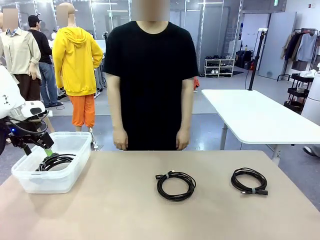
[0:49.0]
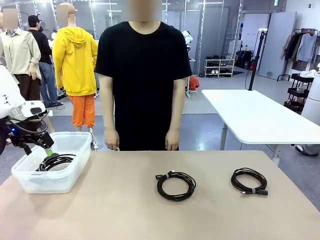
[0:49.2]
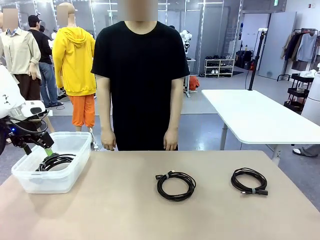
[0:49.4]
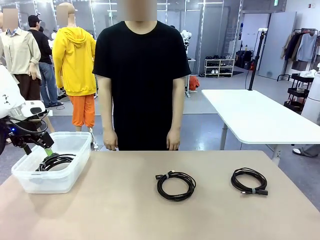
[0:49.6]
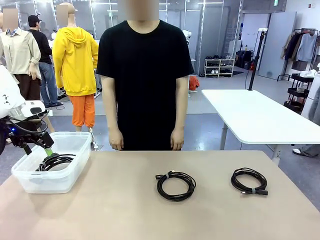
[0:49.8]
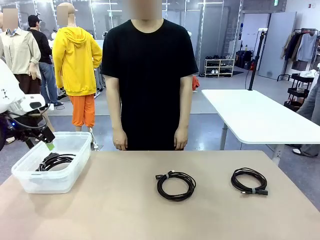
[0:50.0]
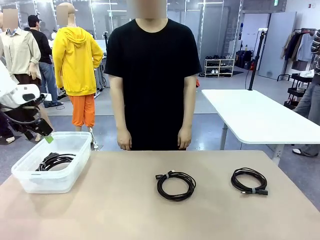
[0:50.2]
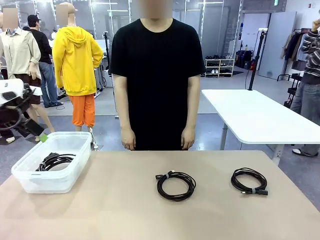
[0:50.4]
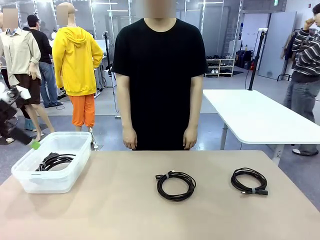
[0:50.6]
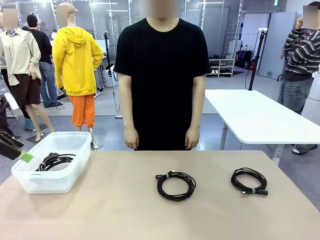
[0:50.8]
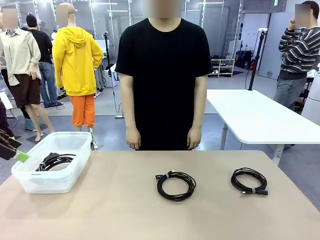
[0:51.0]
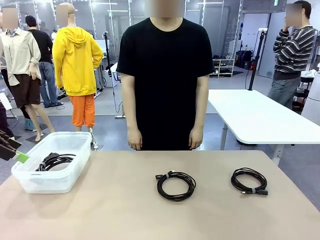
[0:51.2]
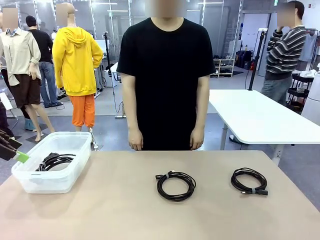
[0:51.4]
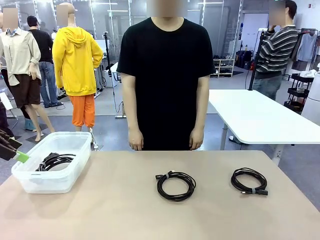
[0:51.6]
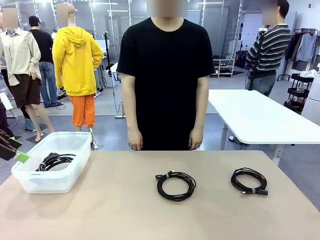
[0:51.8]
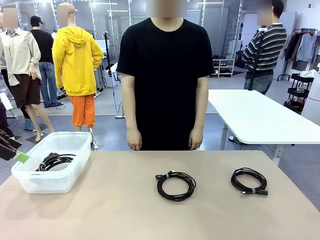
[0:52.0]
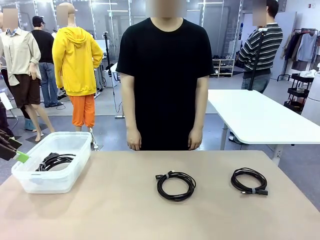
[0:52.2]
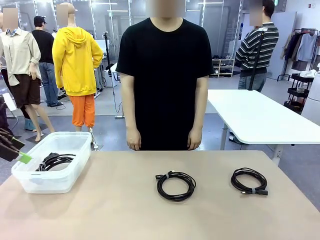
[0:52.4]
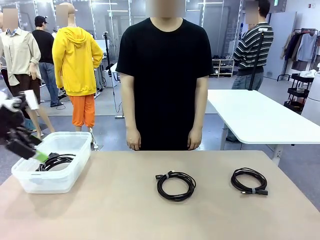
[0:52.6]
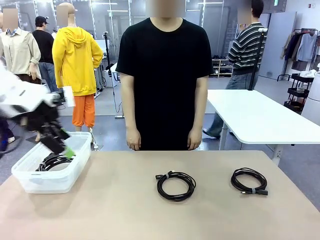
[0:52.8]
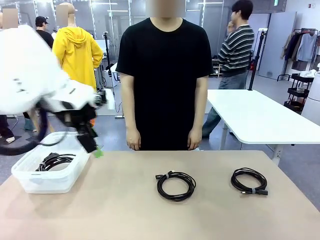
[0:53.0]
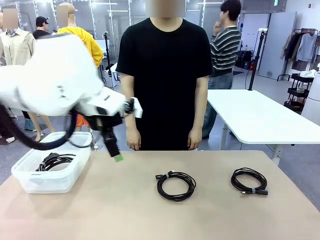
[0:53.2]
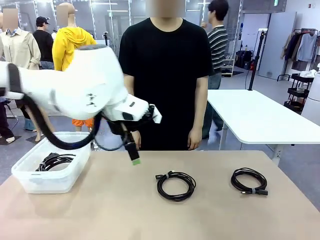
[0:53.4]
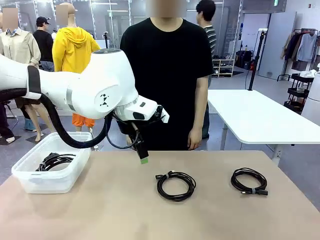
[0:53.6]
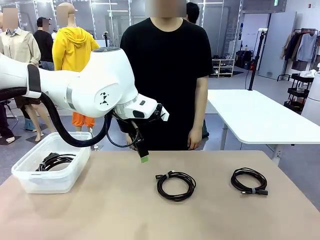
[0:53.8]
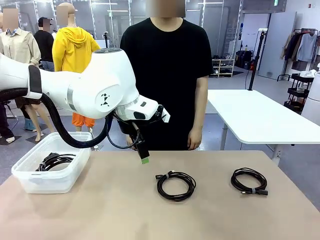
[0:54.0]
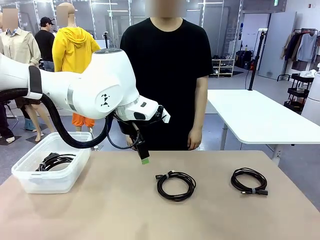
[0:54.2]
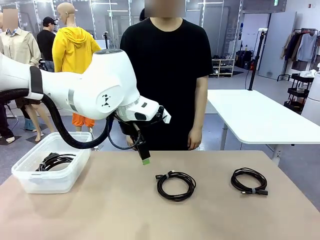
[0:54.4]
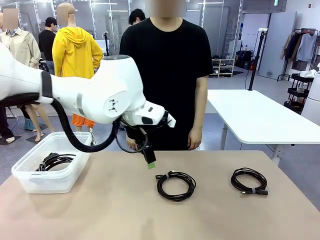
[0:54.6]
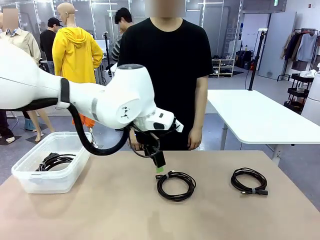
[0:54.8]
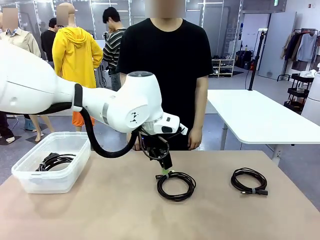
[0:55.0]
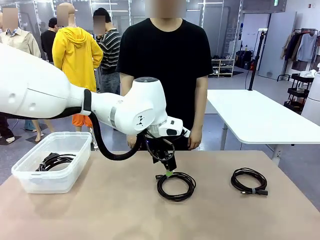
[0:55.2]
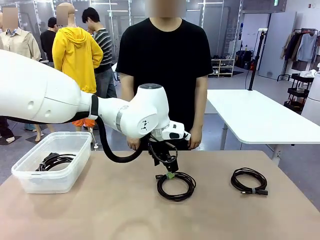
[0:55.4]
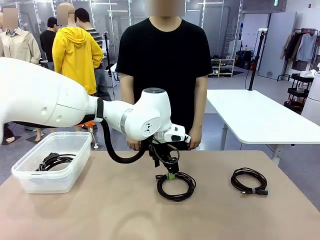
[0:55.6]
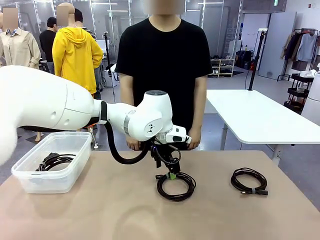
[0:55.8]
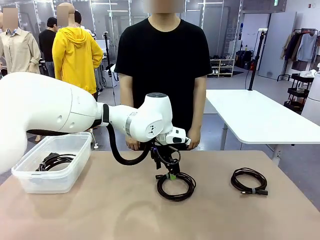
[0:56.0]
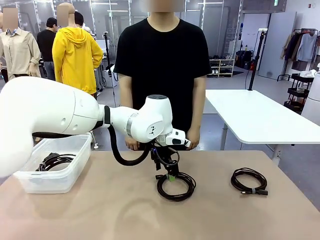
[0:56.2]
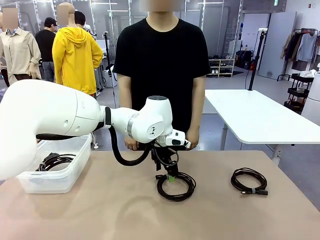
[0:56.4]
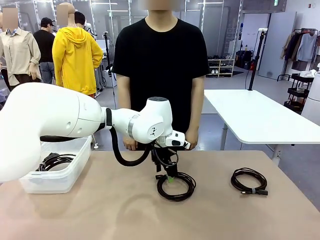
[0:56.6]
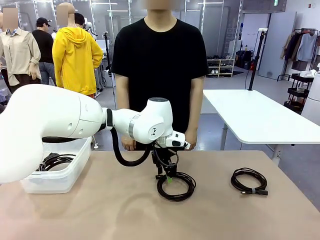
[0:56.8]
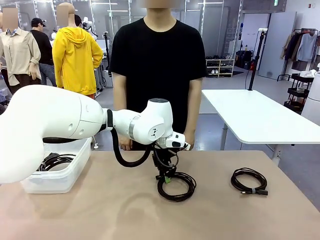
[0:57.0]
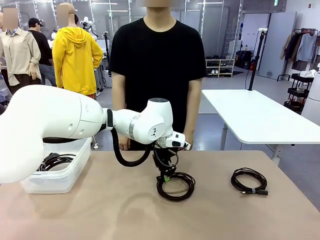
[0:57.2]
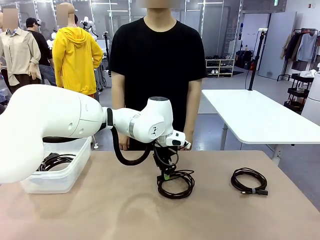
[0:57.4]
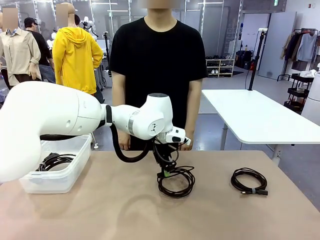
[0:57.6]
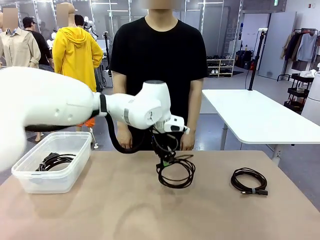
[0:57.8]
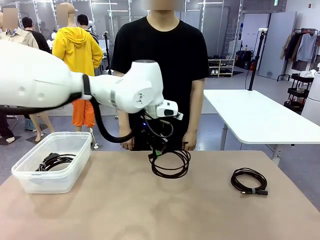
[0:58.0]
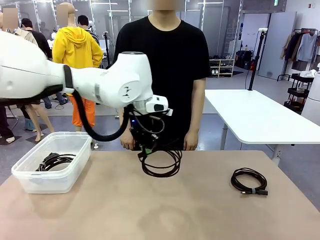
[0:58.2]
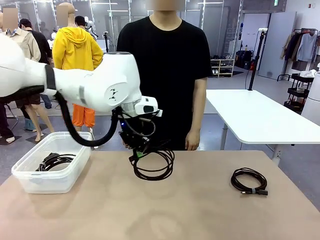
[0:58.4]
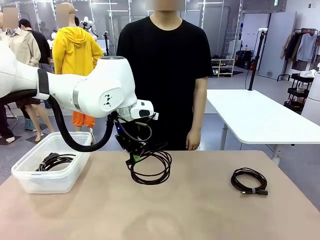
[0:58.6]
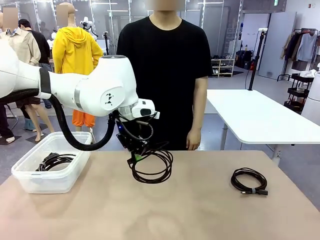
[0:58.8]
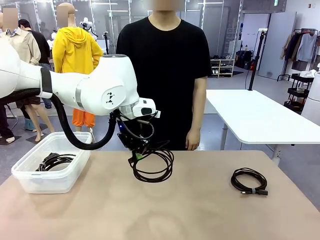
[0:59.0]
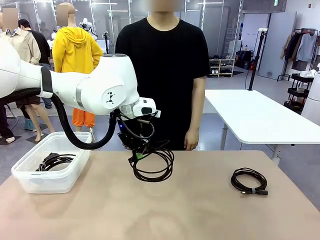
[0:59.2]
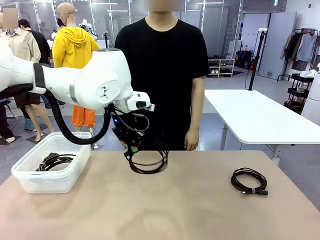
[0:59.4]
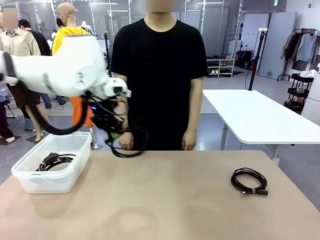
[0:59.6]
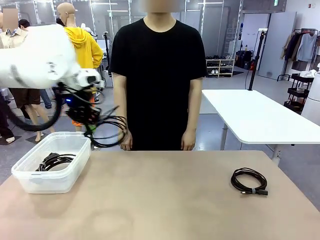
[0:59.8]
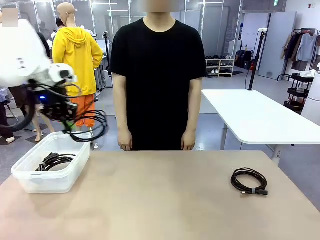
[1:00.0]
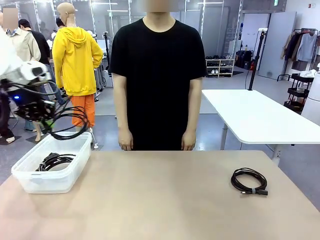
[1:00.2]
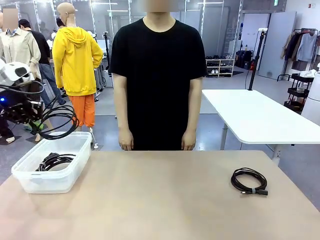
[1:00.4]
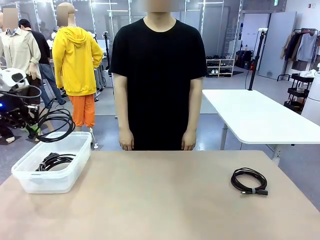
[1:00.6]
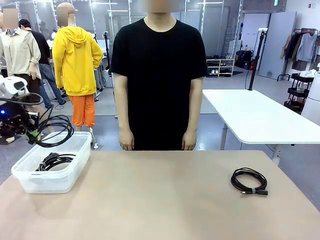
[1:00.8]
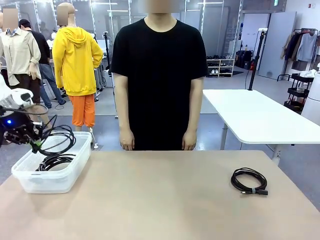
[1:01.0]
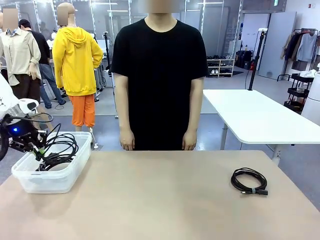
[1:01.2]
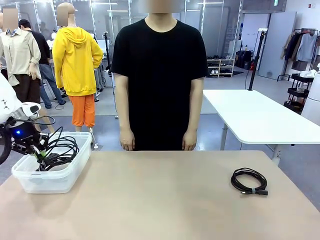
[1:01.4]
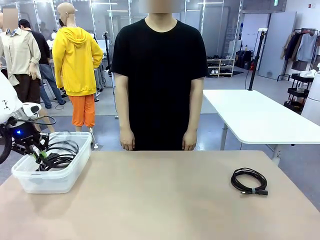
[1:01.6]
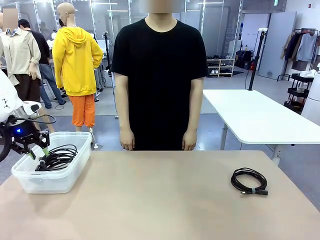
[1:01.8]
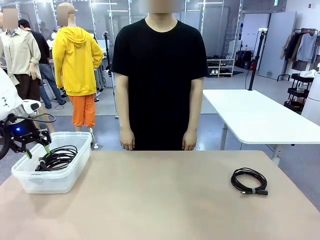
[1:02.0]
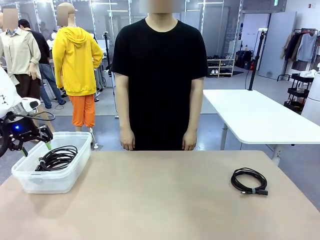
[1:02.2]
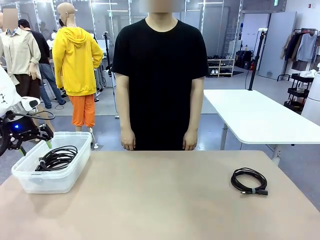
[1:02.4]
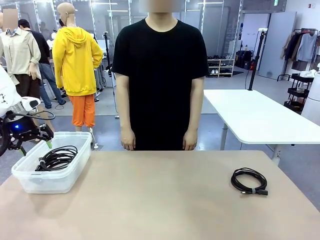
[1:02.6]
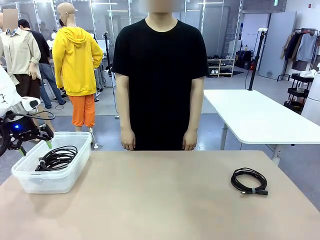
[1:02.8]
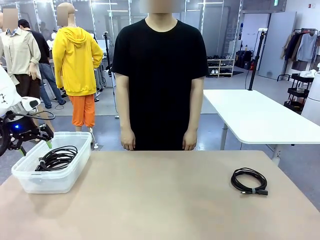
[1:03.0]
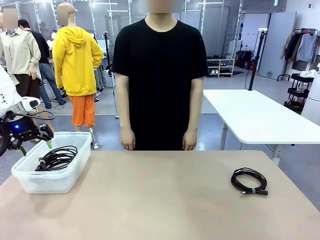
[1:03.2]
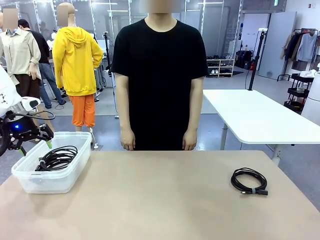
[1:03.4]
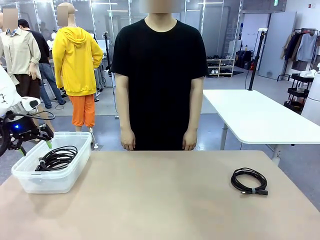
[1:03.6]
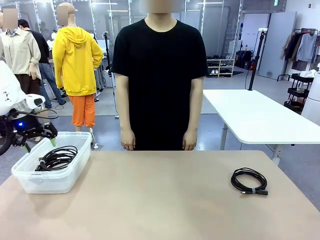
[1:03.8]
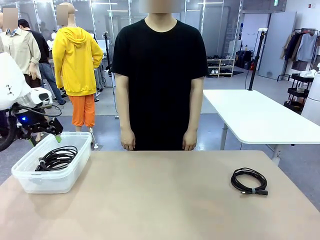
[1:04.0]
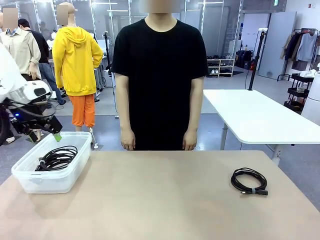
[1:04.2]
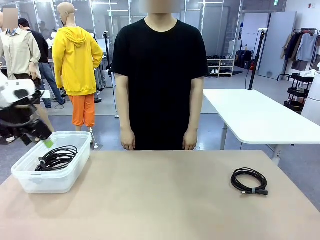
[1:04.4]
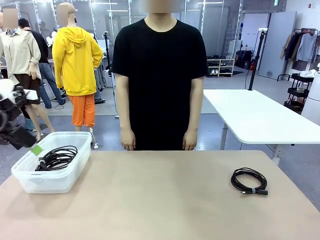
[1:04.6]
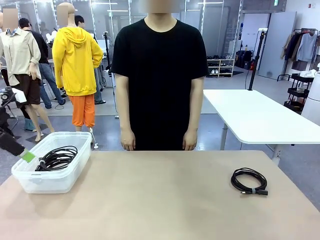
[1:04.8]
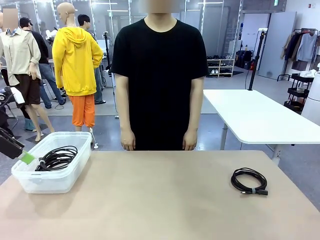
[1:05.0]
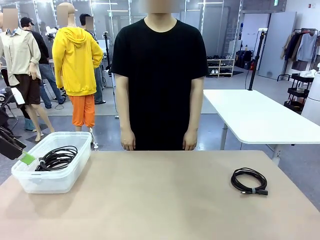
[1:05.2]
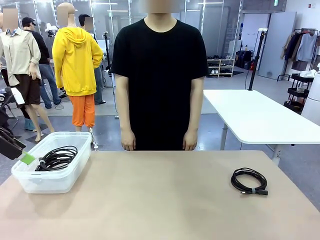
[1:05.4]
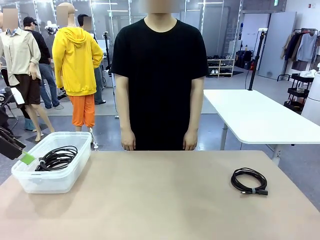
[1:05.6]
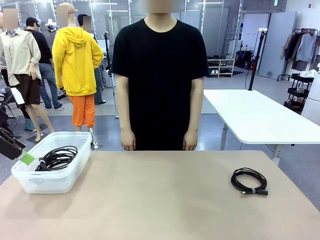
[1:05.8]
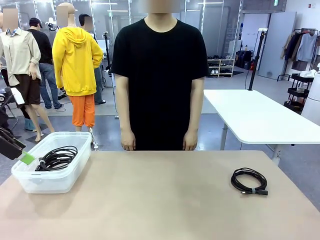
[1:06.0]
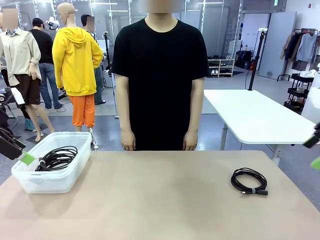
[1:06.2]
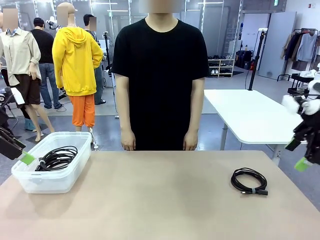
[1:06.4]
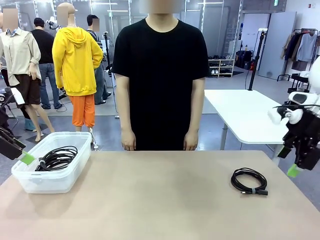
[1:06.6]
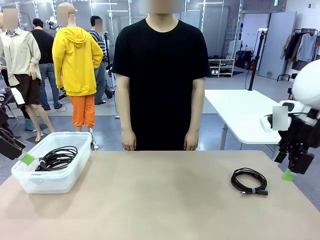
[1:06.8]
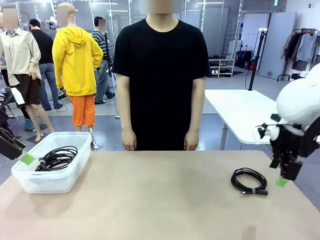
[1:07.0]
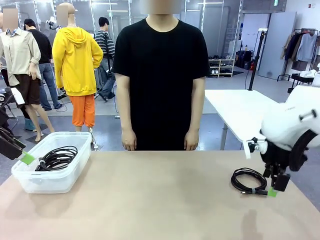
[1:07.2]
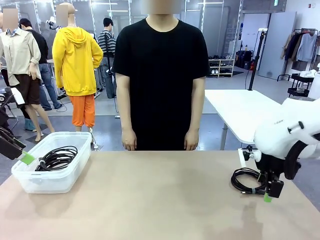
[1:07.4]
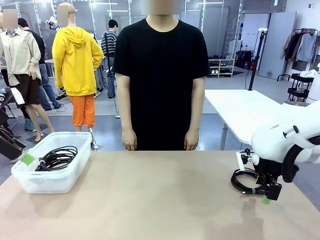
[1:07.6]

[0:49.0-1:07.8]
Task: Organize and store the cables.
Robot: Place the USB Extension Cable into the Organizing box.
